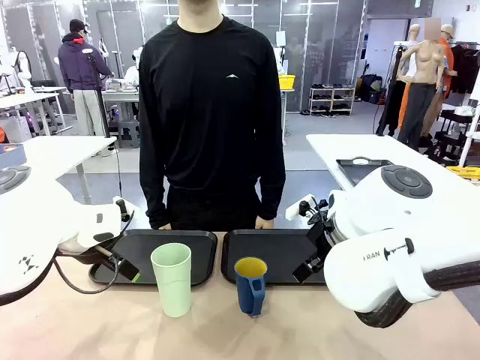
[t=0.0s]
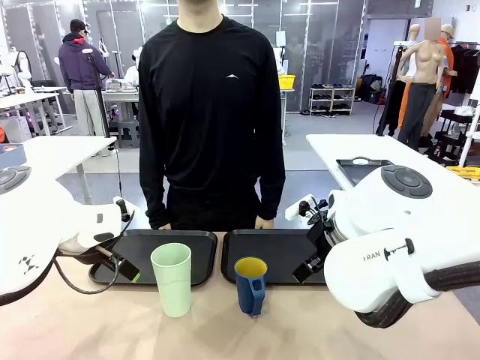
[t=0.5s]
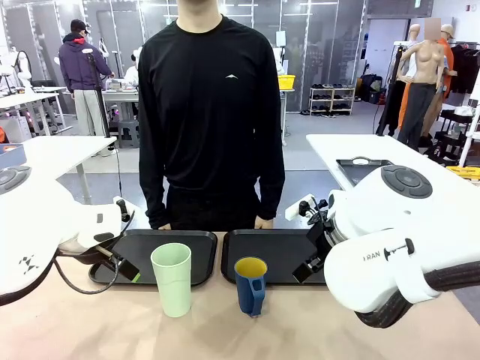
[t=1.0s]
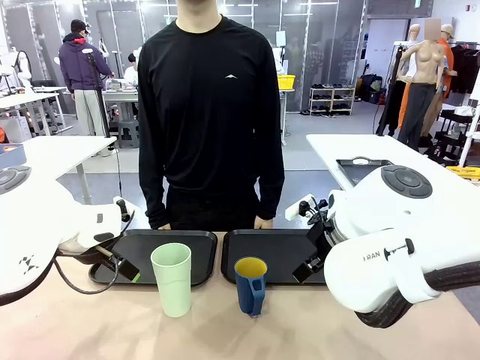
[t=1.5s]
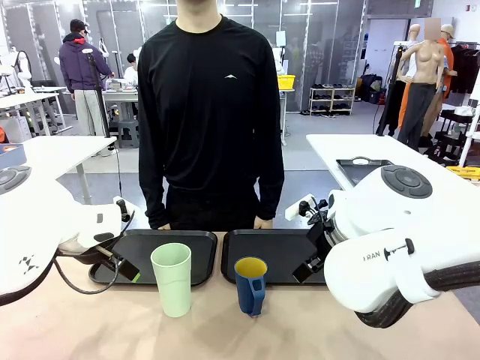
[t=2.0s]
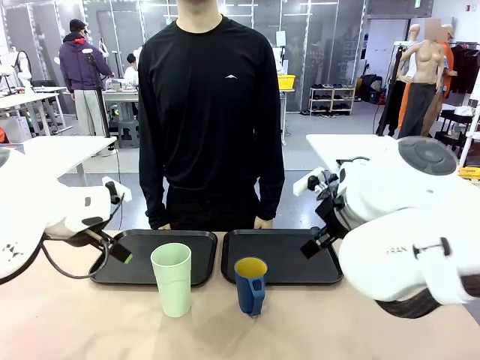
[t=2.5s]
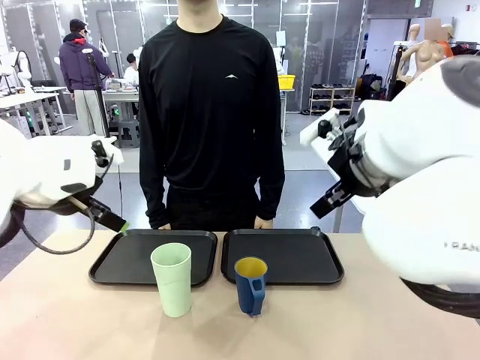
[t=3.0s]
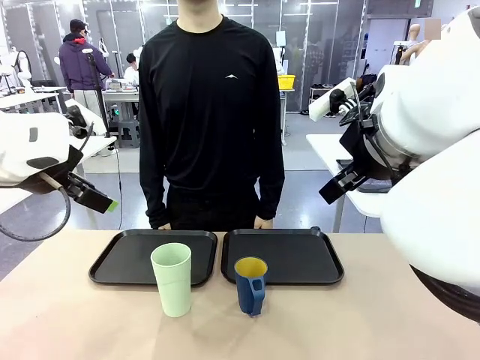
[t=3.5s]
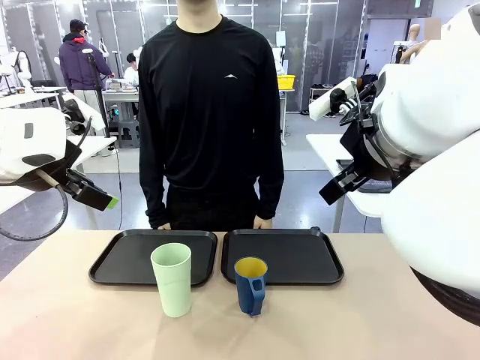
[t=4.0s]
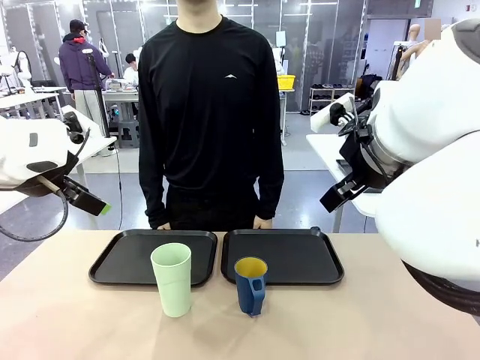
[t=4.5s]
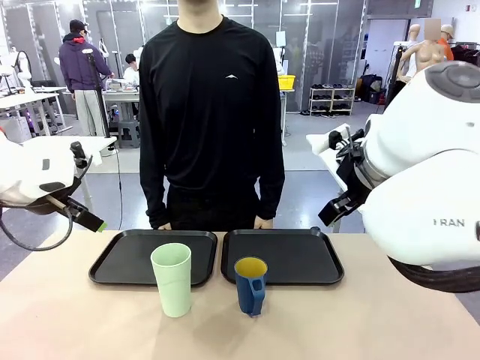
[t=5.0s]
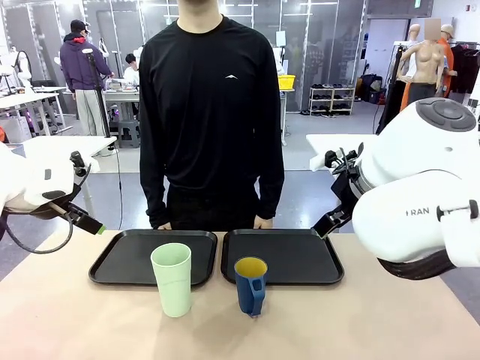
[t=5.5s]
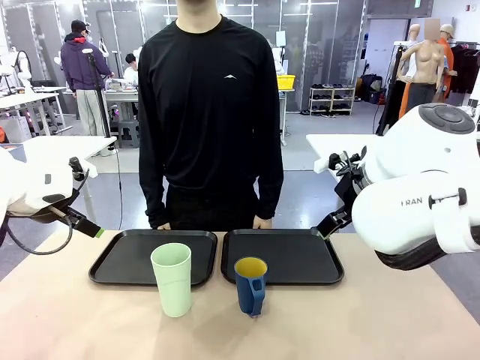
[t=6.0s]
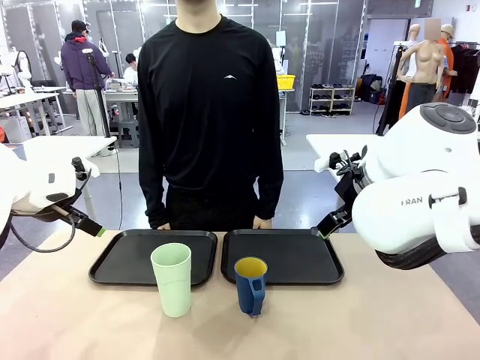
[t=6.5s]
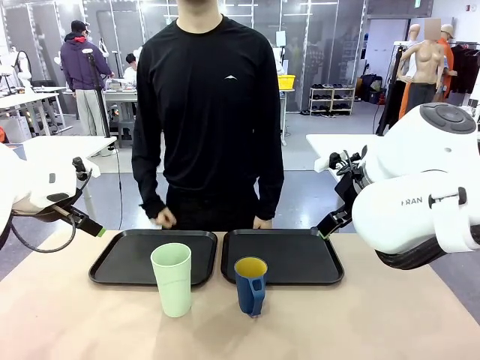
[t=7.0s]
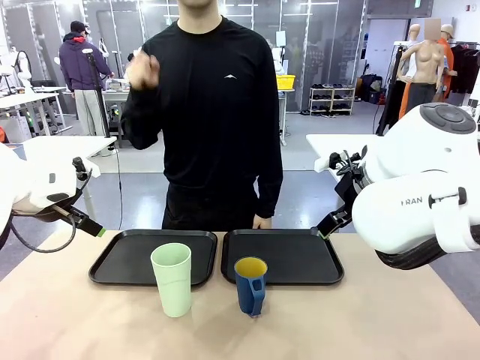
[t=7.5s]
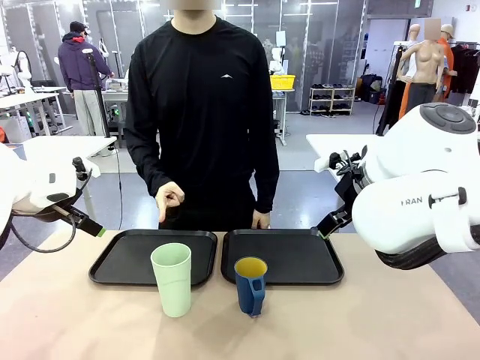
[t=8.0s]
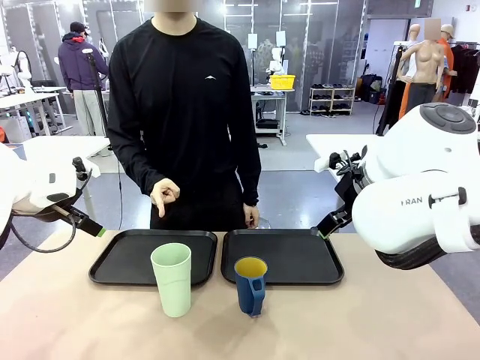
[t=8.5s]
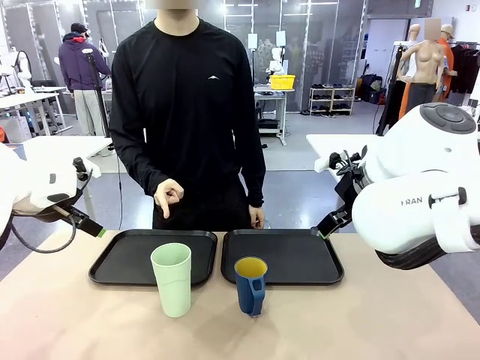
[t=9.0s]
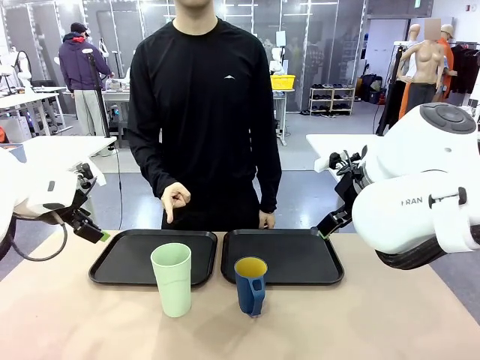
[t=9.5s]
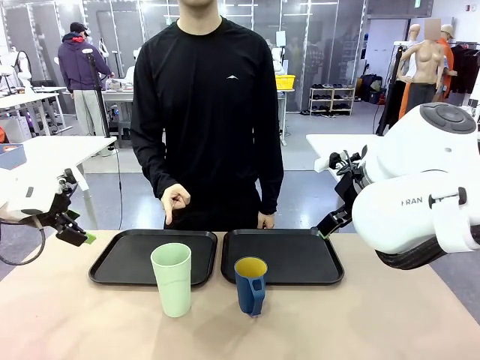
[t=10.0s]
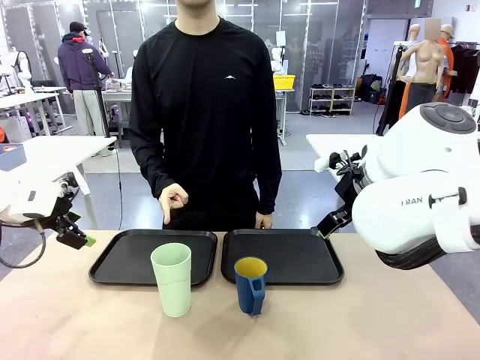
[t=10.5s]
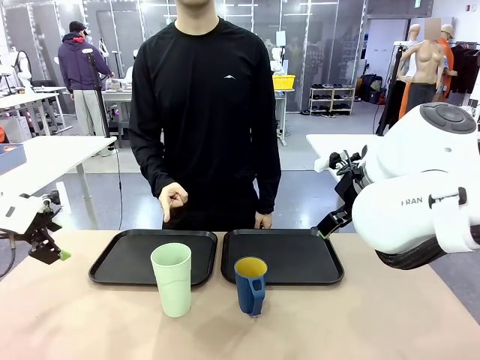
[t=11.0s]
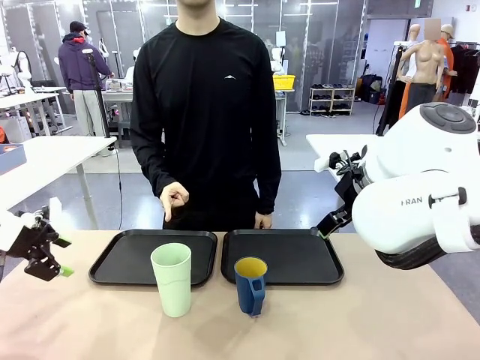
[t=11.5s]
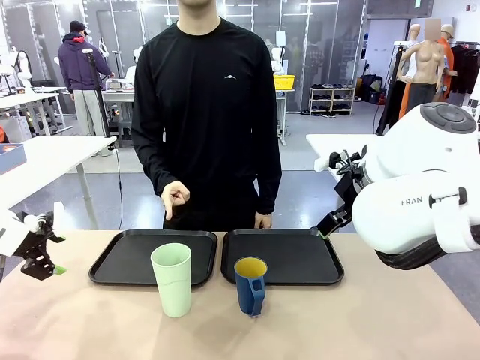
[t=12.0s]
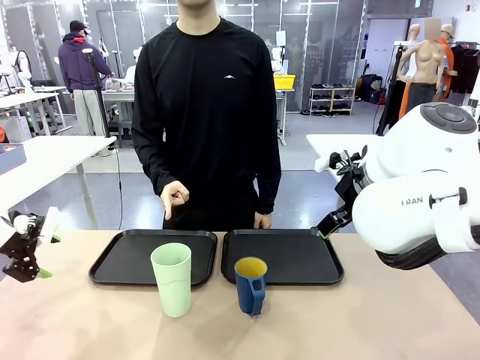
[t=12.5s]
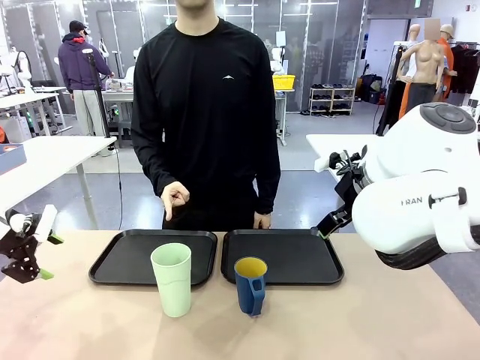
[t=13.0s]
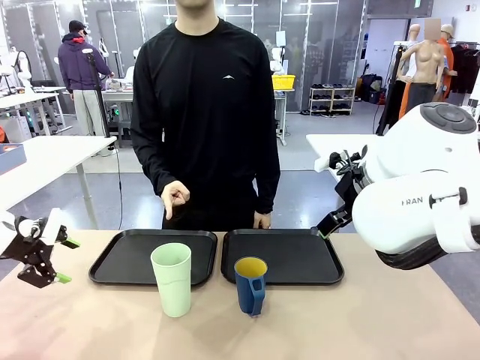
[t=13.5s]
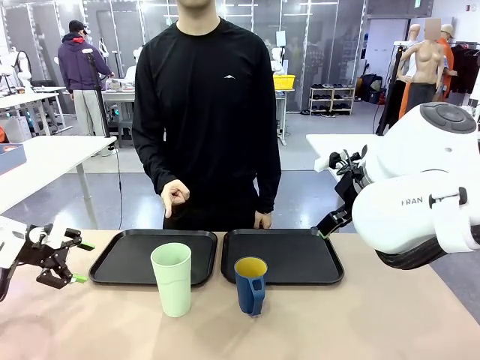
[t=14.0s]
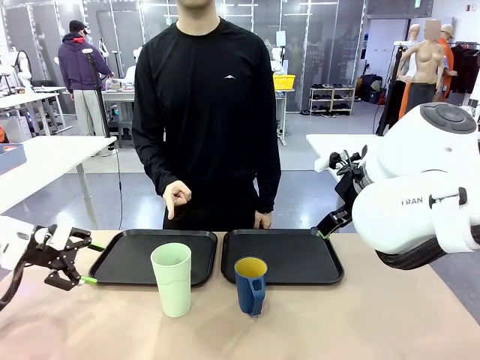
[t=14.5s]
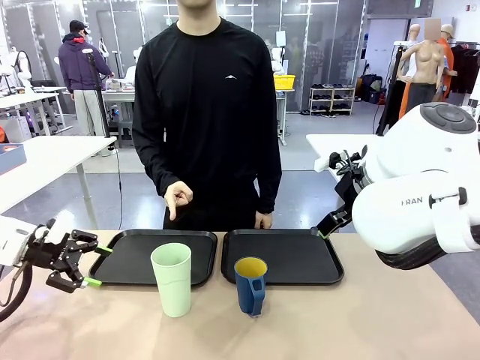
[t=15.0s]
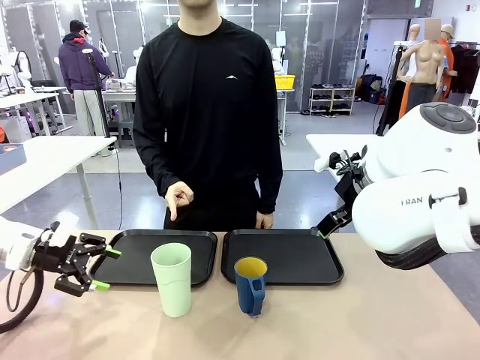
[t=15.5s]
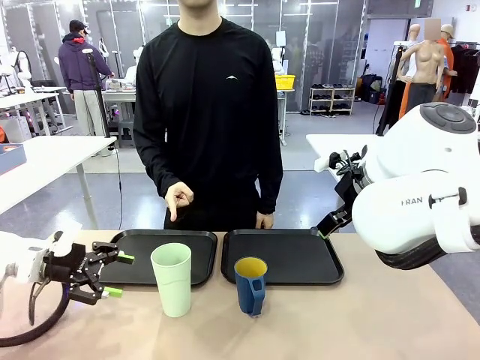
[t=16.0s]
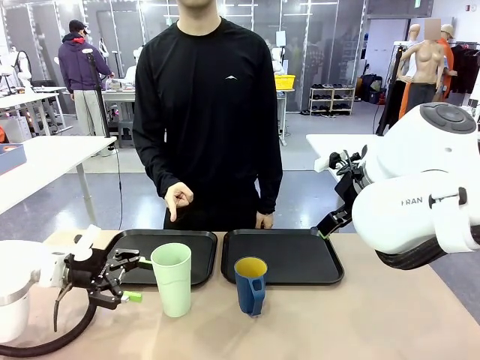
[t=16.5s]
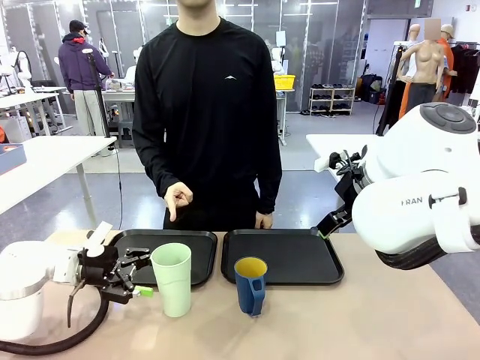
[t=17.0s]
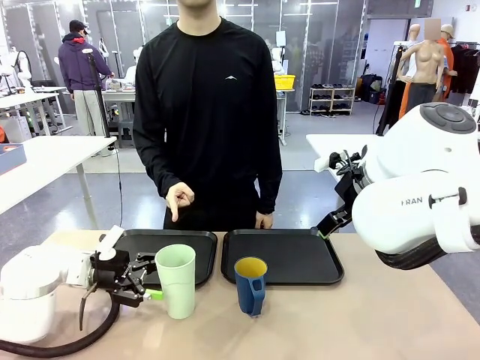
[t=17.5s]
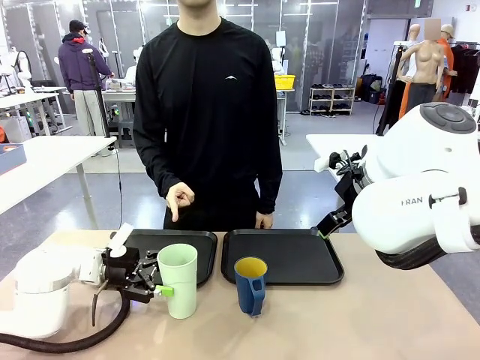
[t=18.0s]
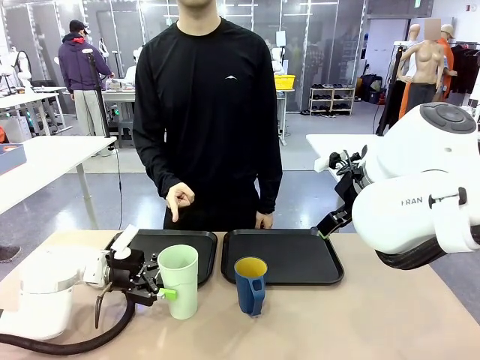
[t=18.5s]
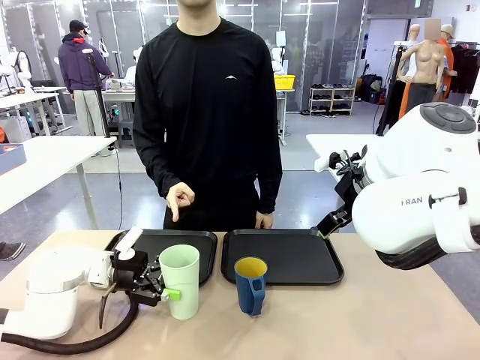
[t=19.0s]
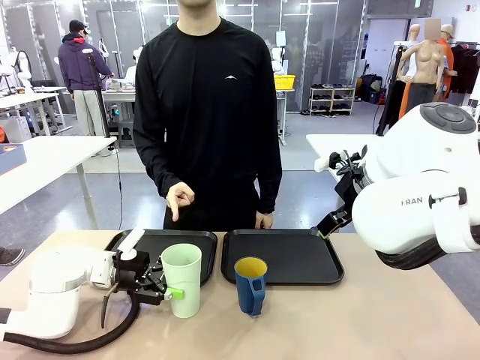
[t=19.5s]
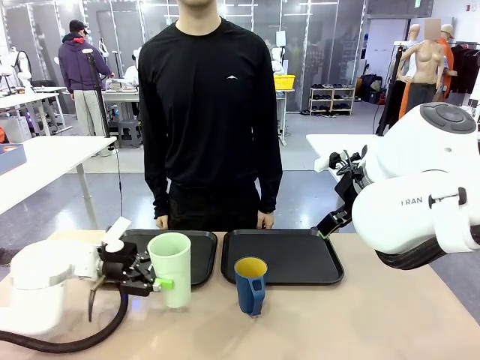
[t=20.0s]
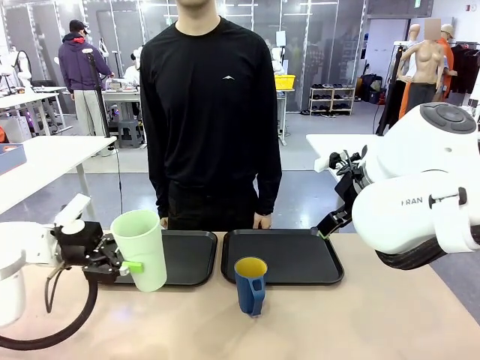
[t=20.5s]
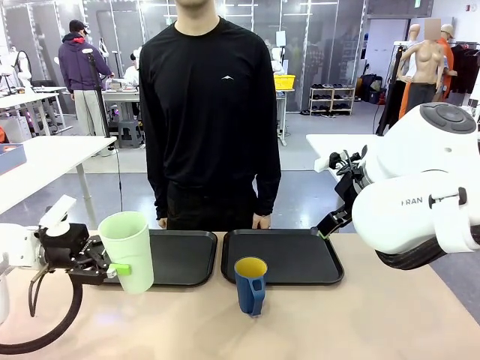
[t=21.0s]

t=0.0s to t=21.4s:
Task: Sort and store the cups by type.
Robot: Pick up the Reusable plastic cup.
Person: Points to the reusable cup. Point to one of the two trays.

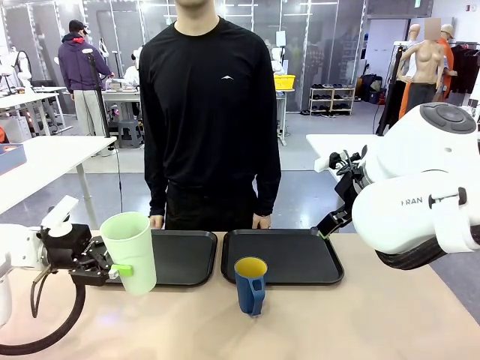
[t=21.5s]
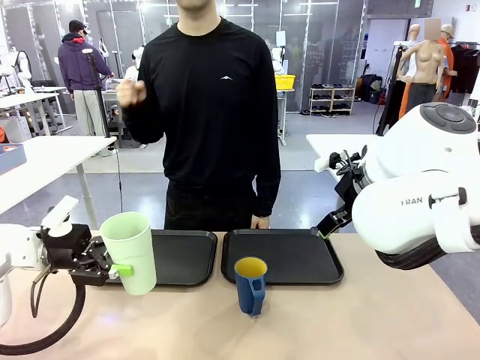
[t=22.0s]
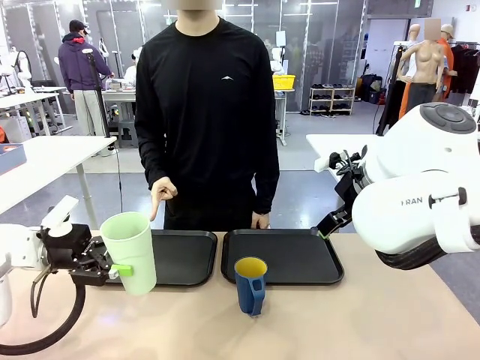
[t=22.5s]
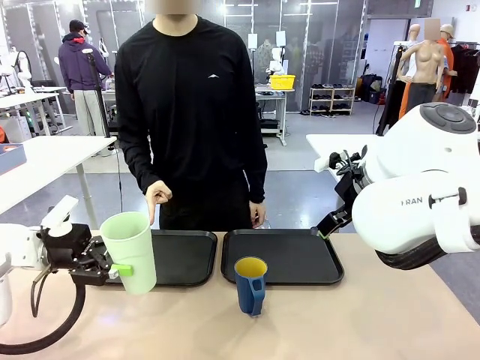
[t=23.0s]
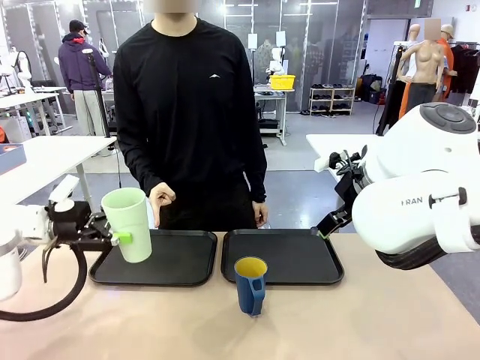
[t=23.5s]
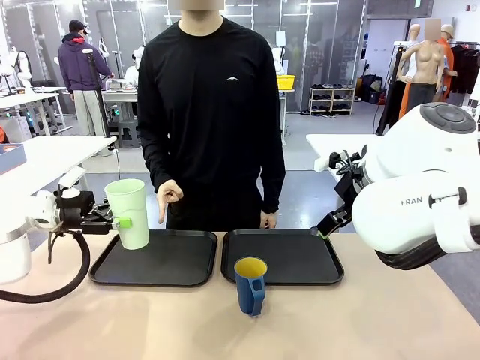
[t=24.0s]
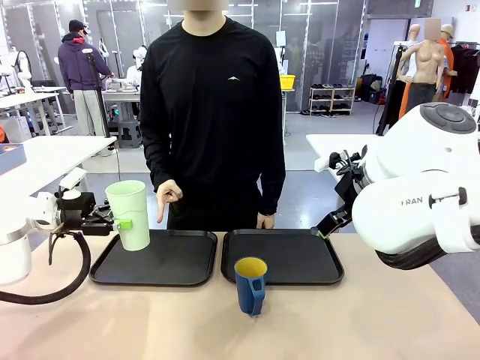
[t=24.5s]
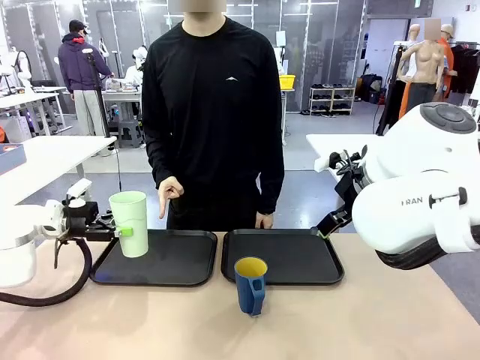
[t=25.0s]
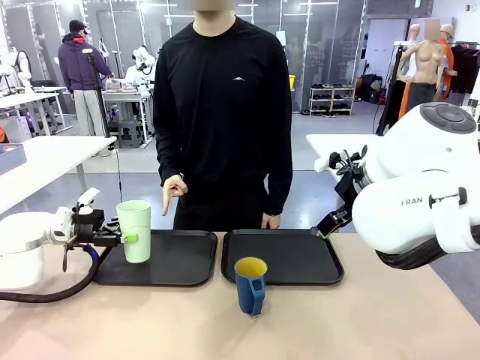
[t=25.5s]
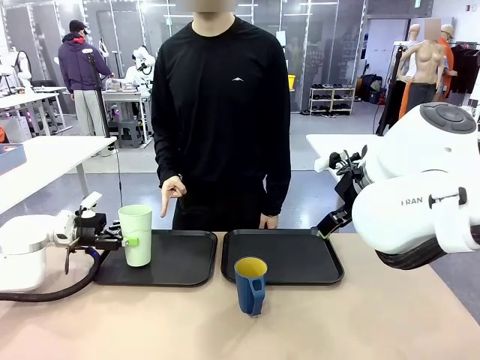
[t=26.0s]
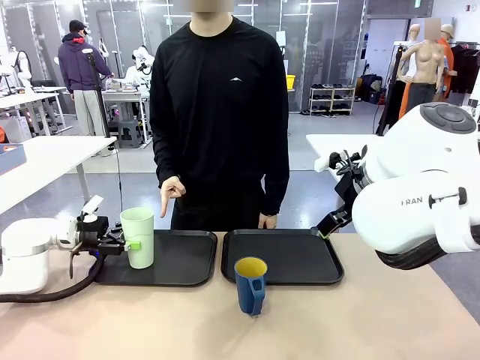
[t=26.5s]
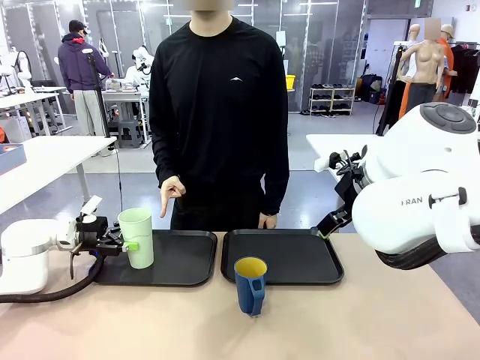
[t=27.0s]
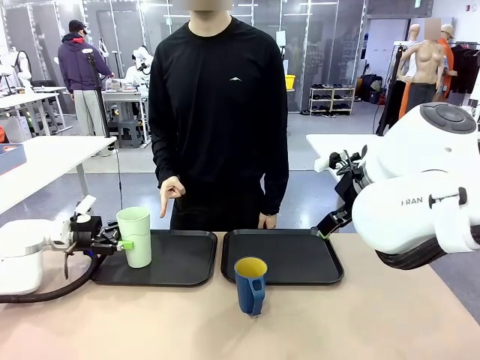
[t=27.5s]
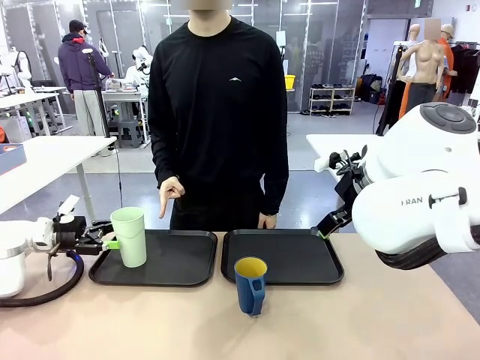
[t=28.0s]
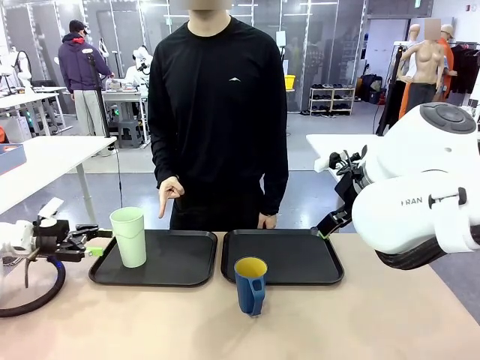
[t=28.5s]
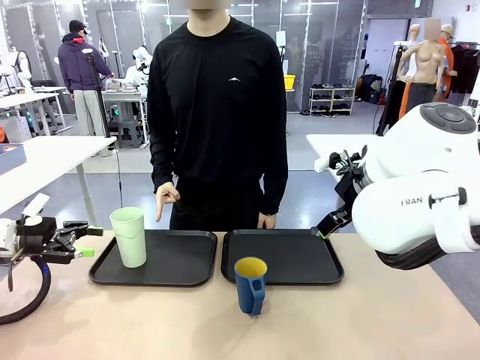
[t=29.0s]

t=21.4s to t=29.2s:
Robot: Place the picked Reusable plastic cup into the Flat Tray indicated by the person.
